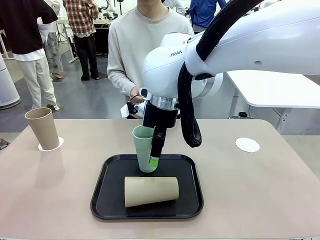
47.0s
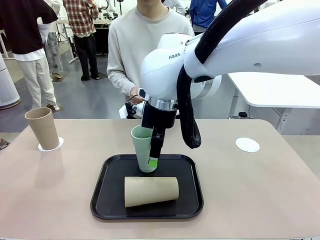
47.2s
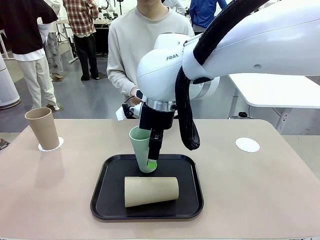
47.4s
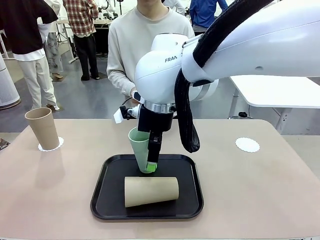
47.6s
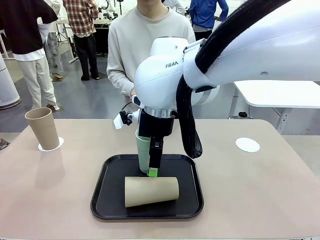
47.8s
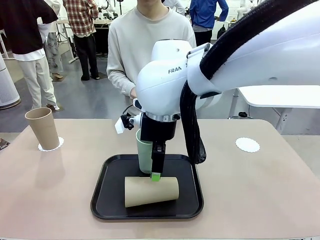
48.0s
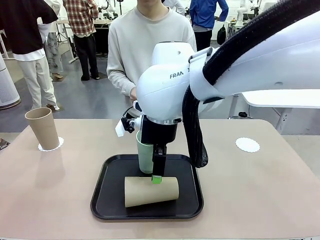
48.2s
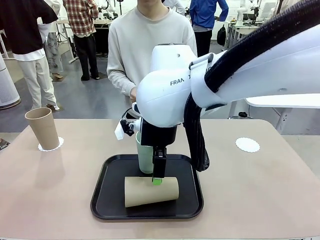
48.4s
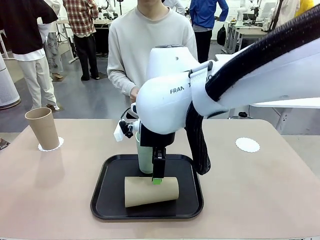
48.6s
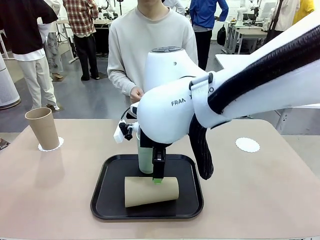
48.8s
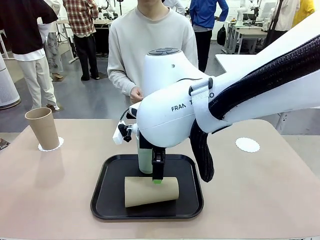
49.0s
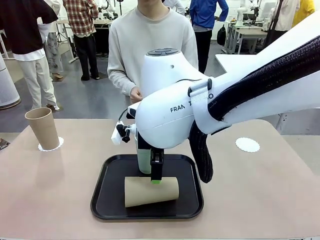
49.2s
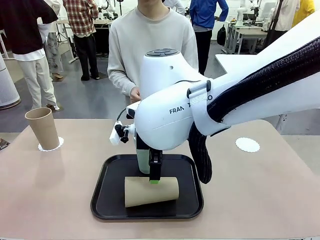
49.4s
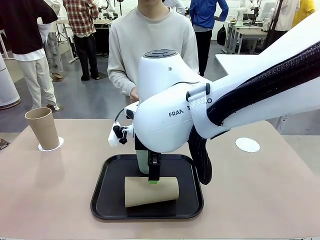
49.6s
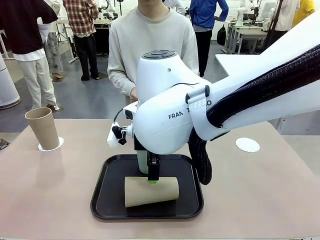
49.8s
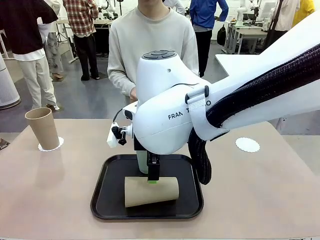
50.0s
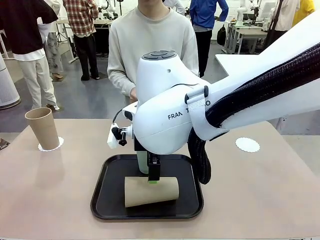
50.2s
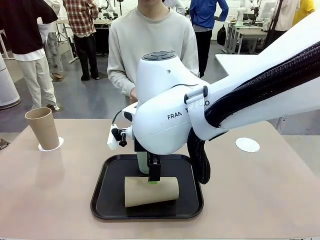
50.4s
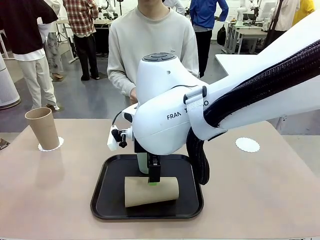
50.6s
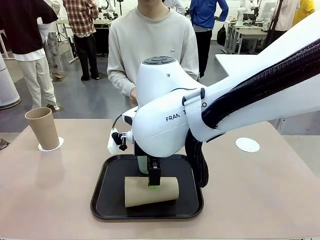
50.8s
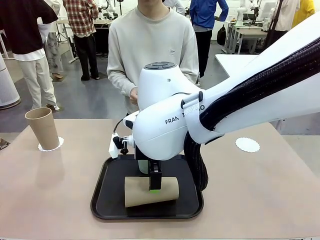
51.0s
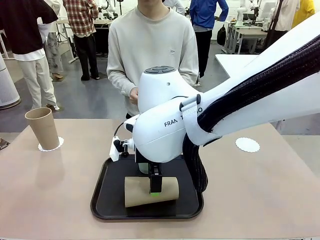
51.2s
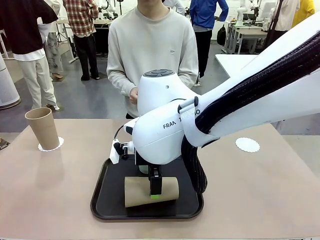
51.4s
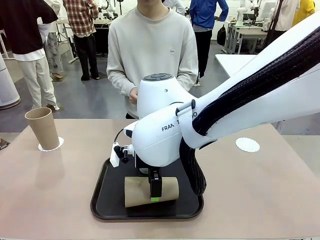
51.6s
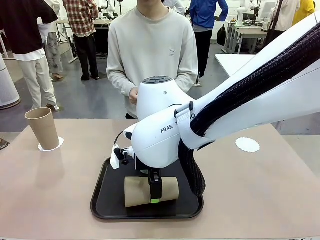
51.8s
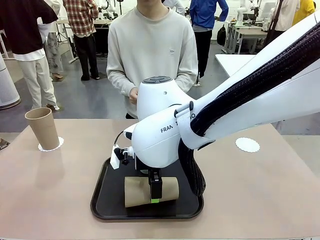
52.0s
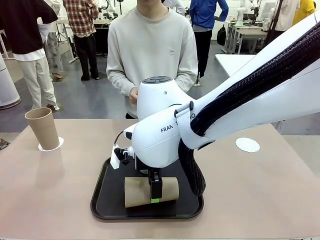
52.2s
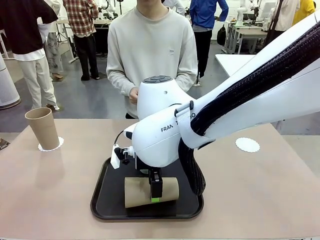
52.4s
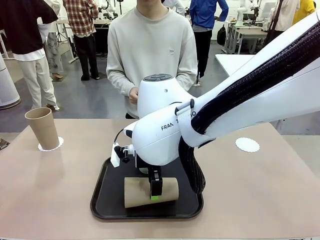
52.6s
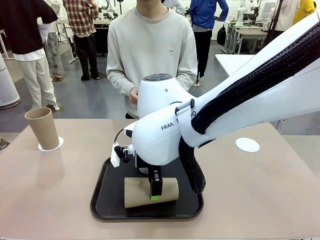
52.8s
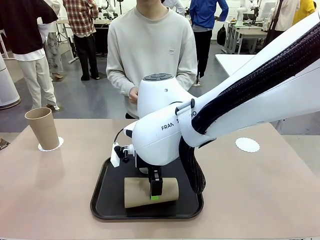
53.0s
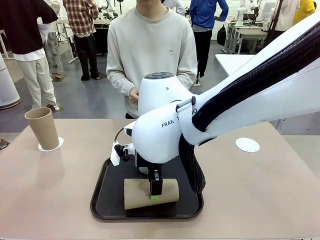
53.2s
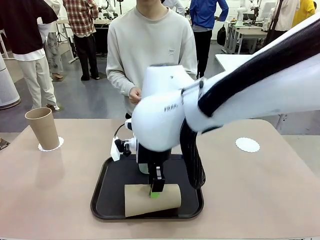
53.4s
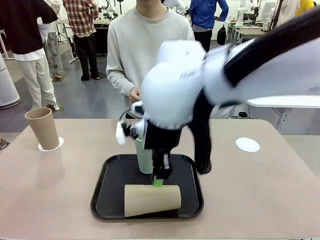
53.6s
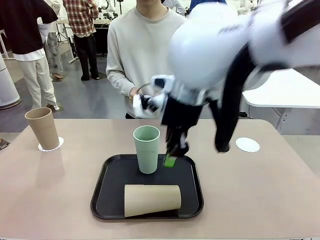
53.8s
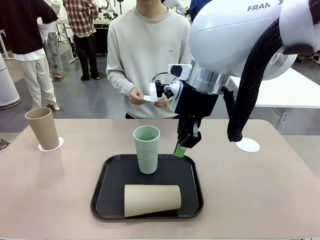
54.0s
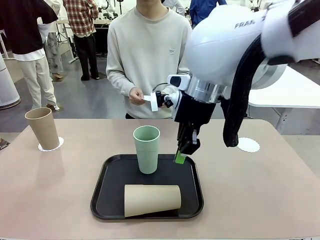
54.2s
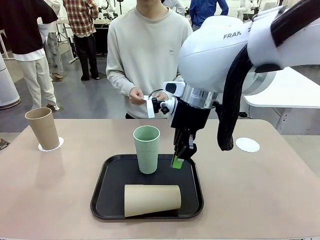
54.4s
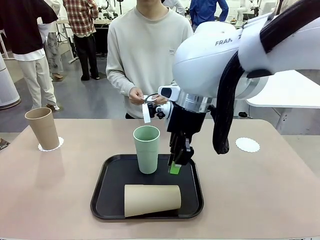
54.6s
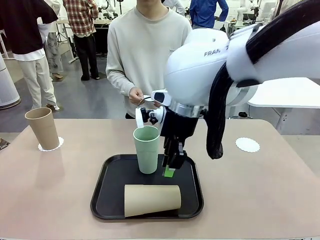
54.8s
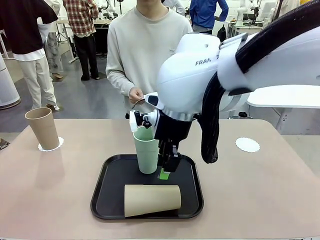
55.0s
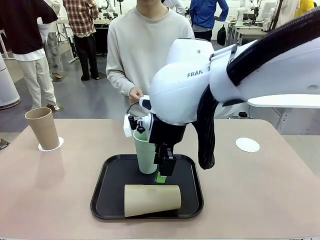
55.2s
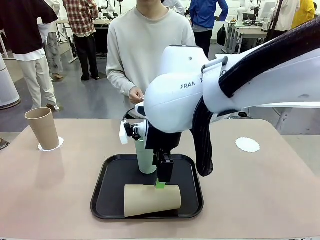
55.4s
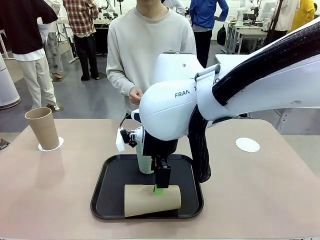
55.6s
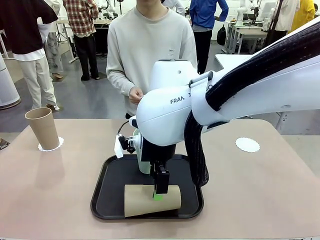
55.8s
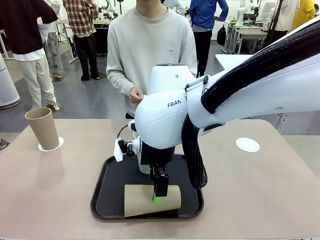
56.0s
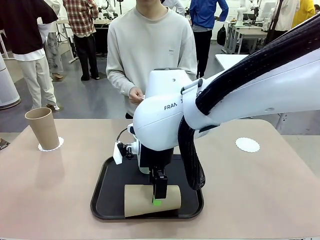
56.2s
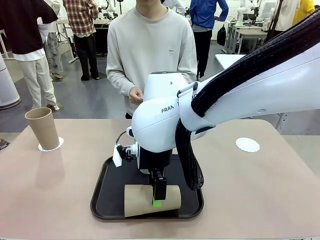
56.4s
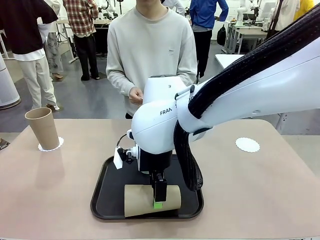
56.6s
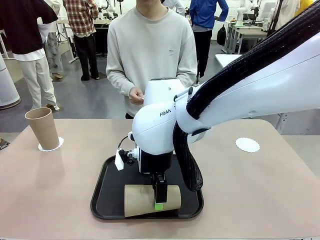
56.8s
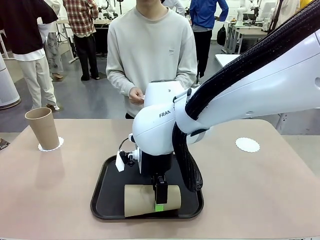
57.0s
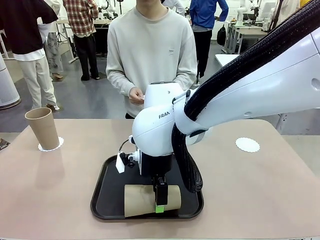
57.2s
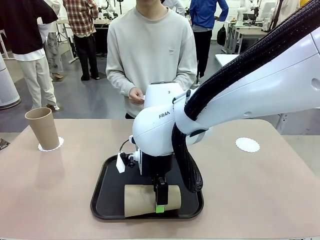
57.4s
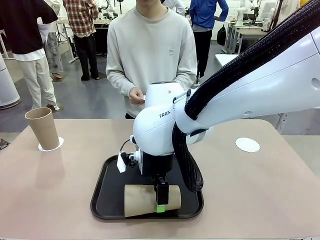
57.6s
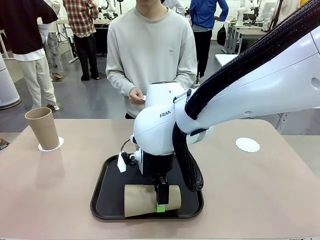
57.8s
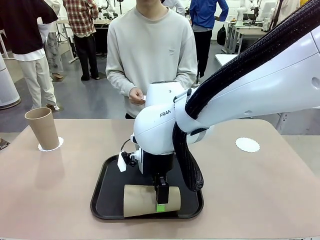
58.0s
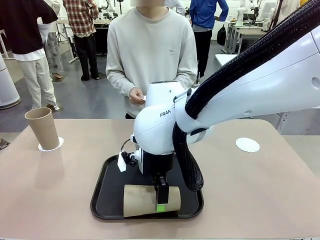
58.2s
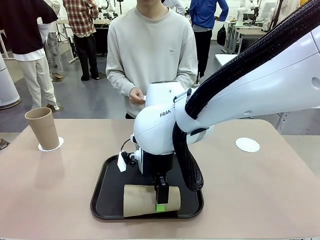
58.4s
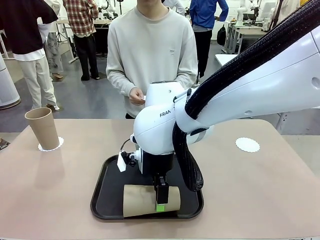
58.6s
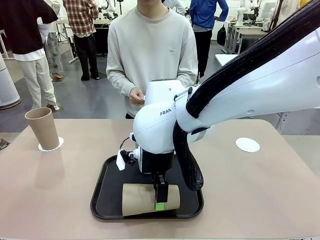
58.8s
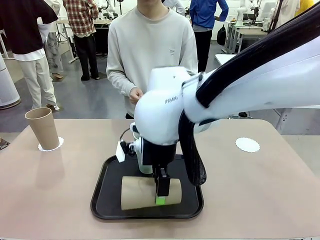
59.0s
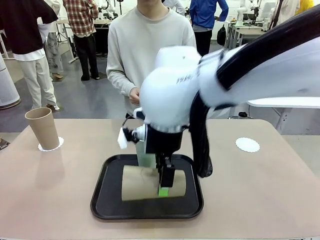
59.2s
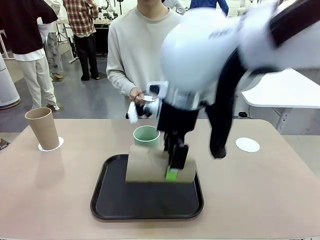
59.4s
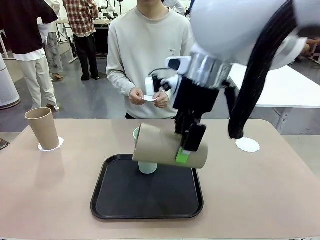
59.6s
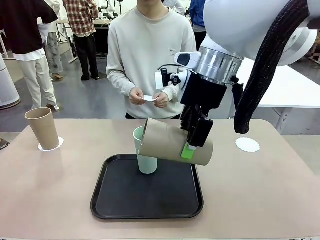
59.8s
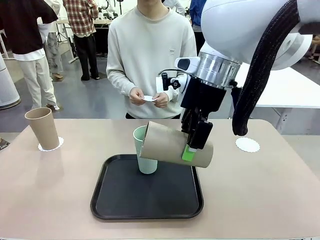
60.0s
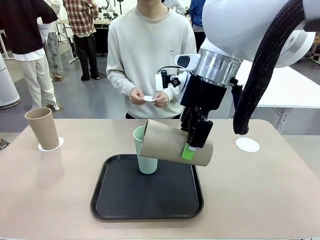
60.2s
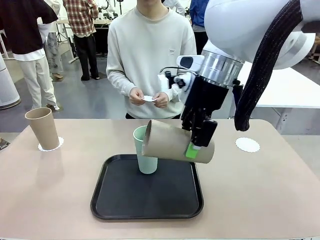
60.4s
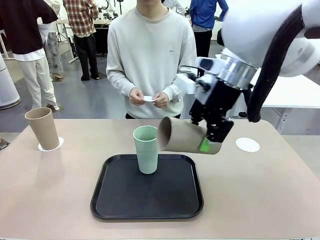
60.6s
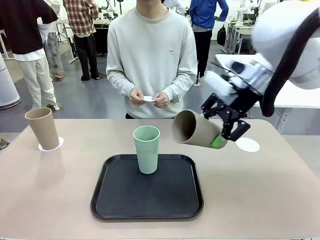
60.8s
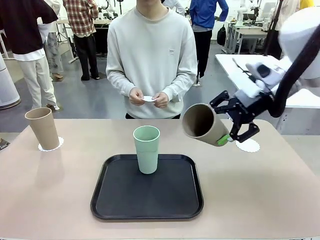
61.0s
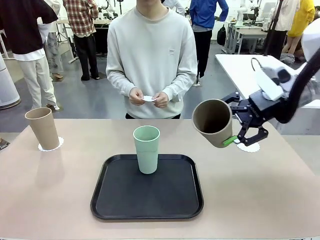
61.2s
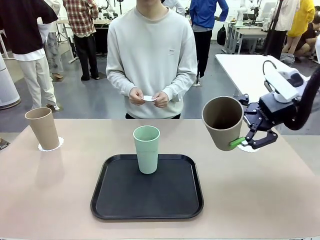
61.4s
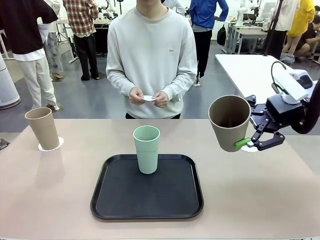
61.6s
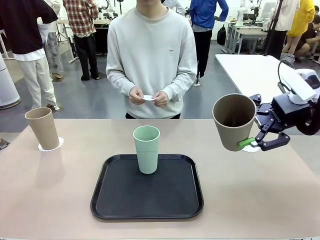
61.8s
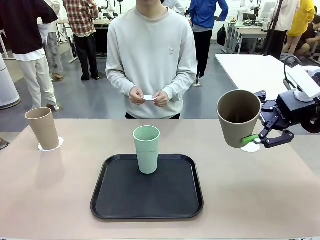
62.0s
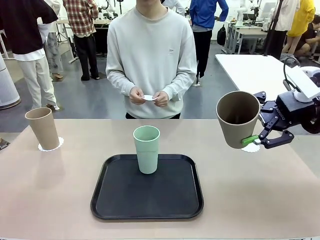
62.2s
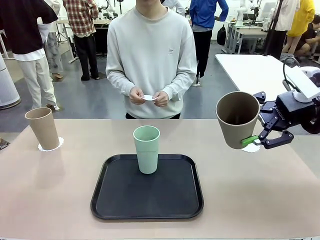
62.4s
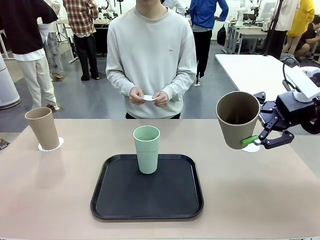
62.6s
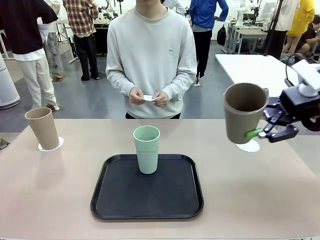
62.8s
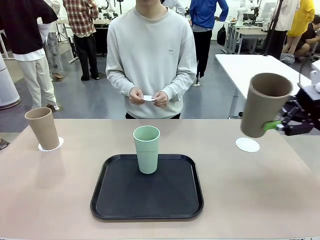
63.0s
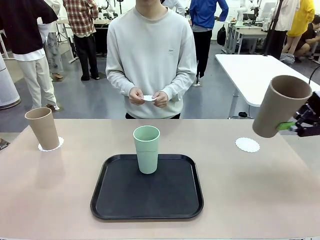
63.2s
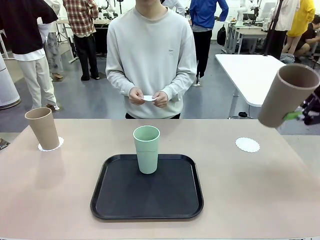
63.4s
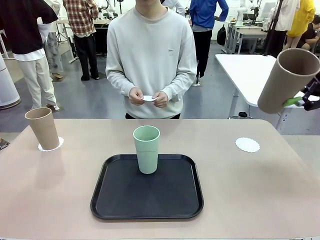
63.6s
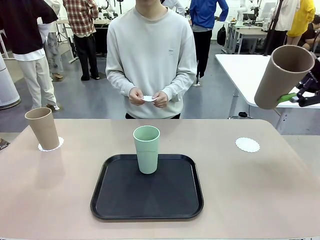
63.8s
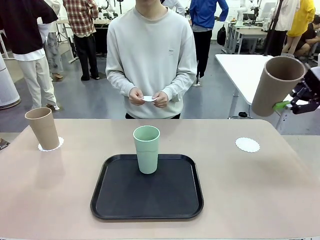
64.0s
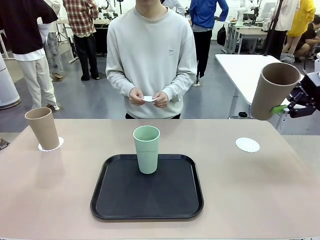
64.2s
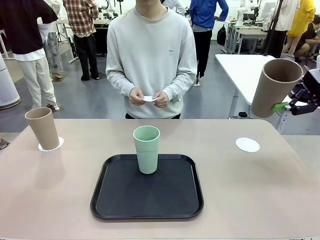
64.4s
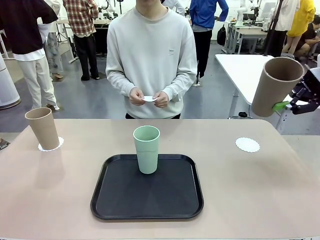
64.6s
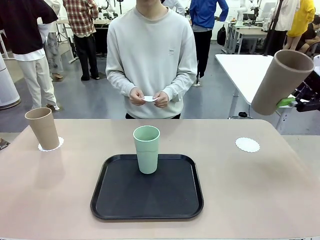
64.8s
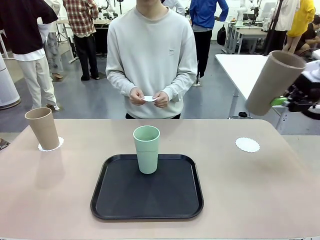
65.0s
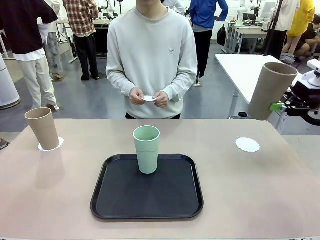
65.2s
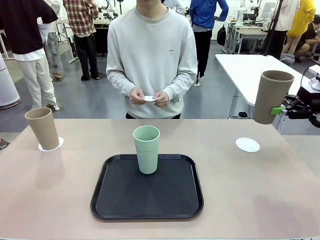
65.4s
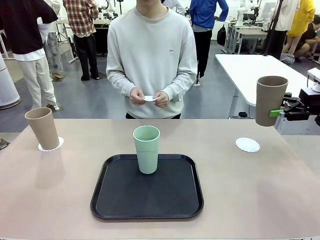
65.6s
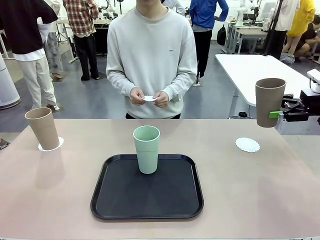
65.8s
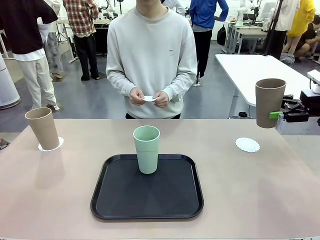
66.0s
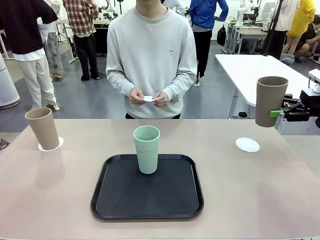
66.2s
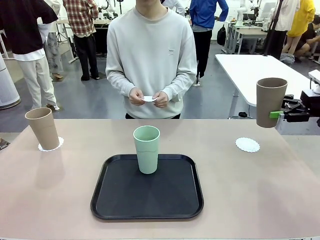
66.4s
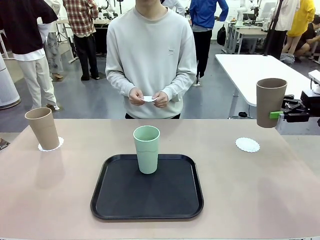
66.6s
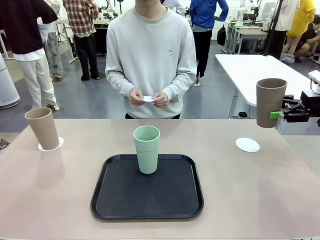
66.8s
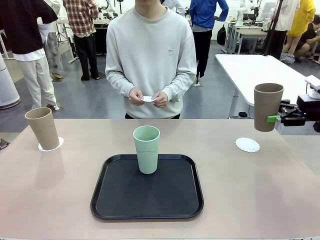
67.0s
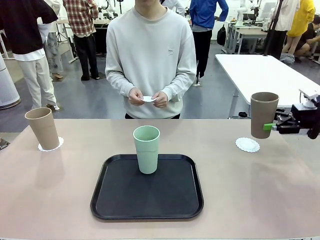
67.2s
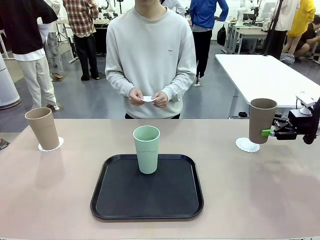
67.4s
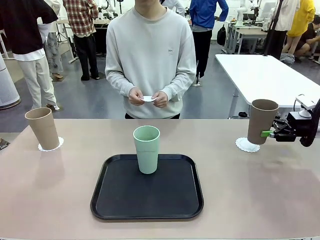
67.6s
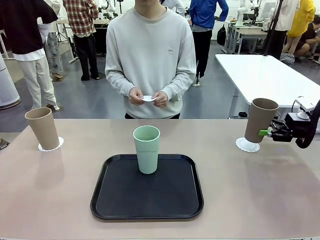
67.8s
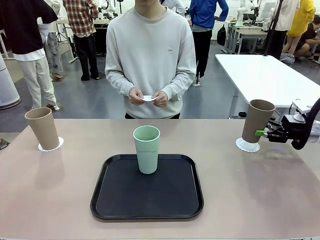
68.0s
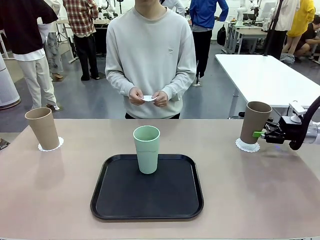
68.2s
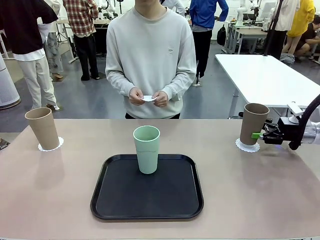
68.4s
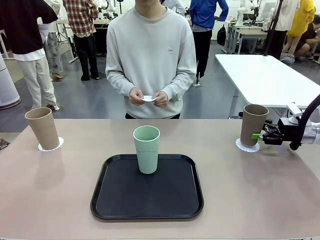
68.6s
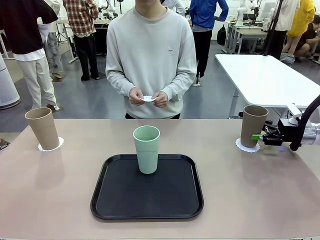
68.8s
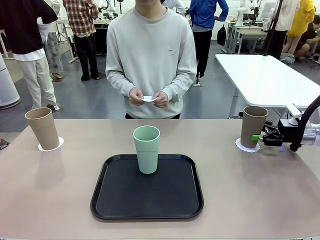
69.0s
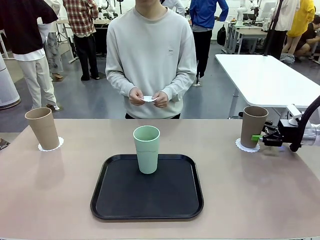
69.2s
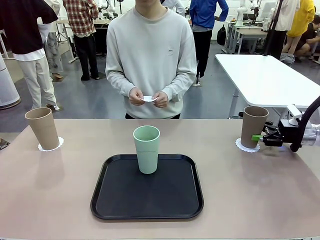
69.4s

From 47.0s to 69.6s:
Task: Place coasters on the table and set cups on them.
Robot: Take one Reusable plastic cup from the Flat Tray and place it on a coaster set by the human.
